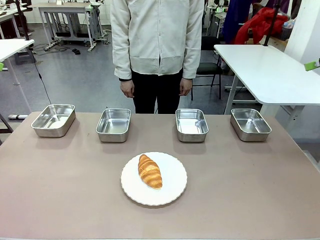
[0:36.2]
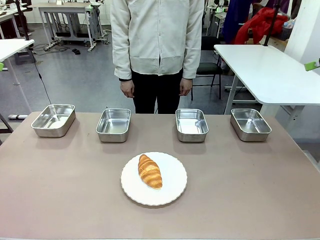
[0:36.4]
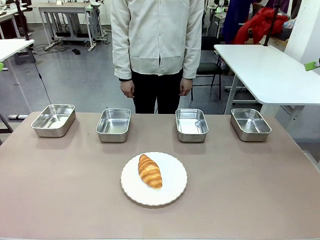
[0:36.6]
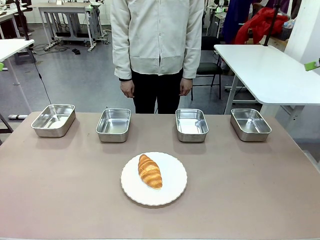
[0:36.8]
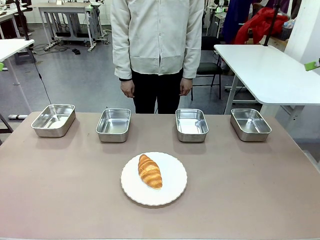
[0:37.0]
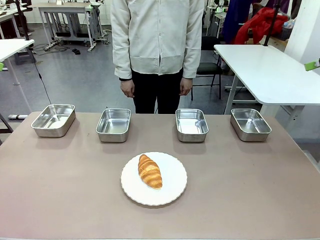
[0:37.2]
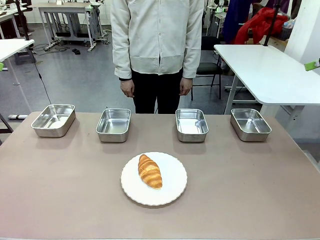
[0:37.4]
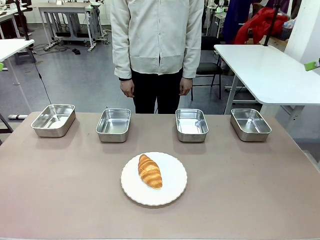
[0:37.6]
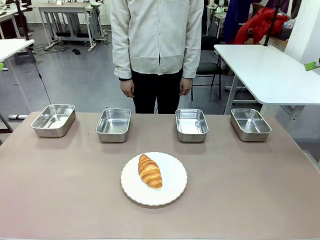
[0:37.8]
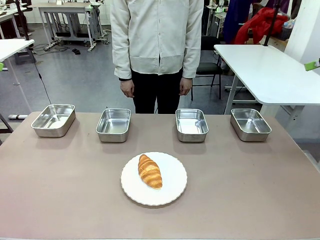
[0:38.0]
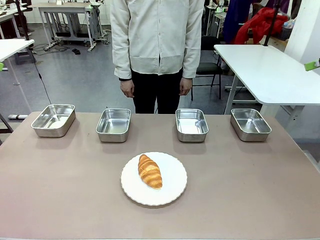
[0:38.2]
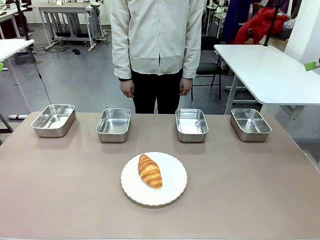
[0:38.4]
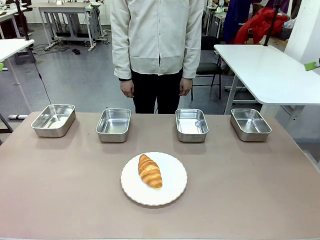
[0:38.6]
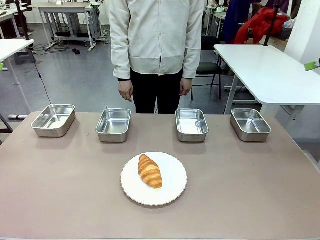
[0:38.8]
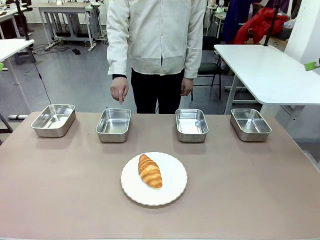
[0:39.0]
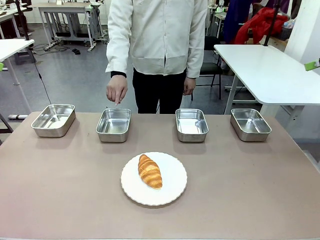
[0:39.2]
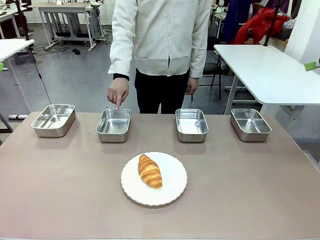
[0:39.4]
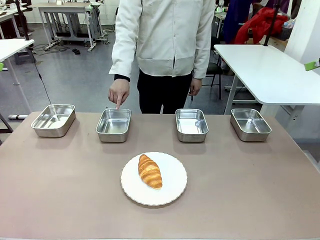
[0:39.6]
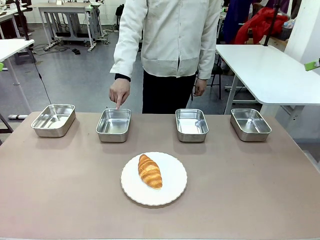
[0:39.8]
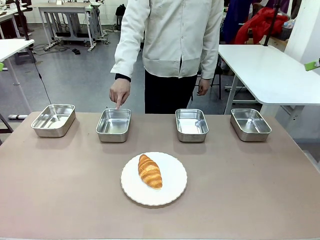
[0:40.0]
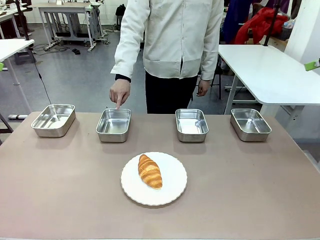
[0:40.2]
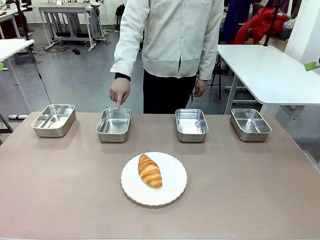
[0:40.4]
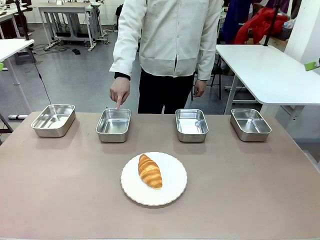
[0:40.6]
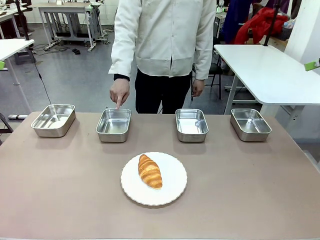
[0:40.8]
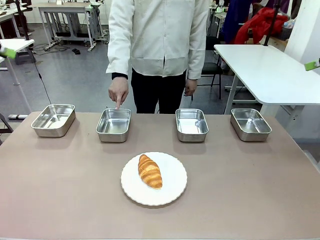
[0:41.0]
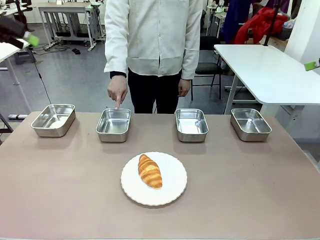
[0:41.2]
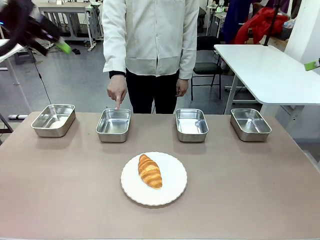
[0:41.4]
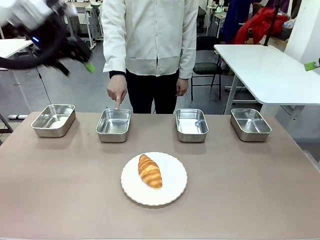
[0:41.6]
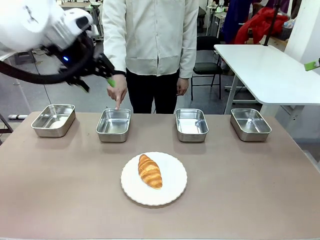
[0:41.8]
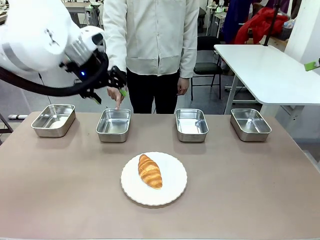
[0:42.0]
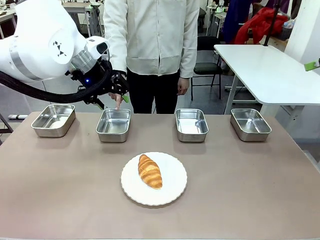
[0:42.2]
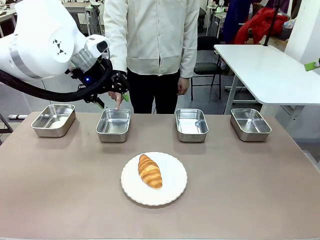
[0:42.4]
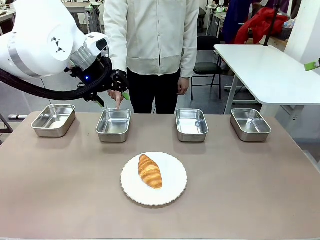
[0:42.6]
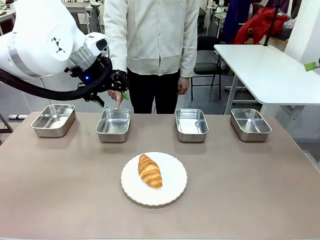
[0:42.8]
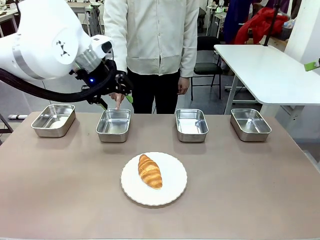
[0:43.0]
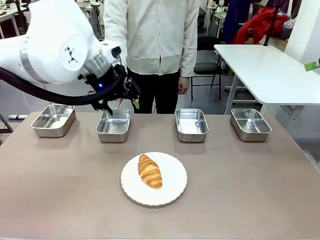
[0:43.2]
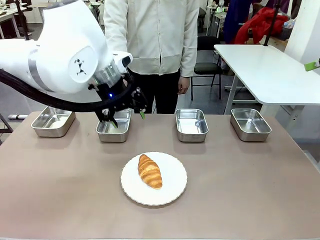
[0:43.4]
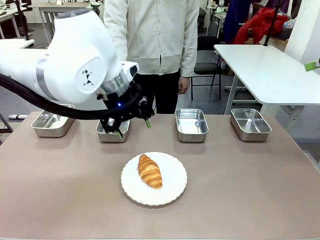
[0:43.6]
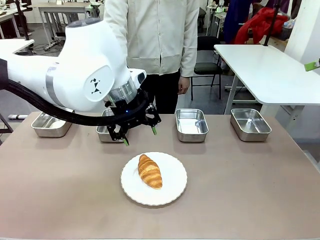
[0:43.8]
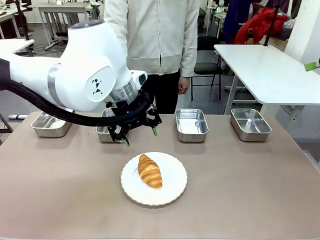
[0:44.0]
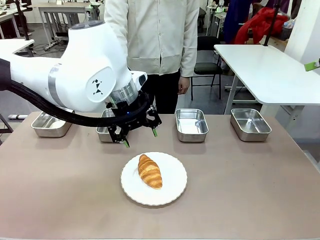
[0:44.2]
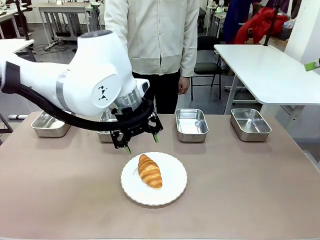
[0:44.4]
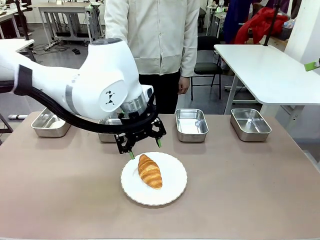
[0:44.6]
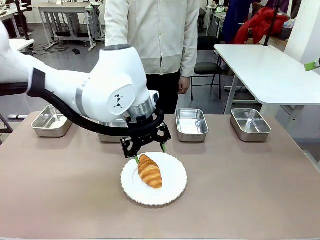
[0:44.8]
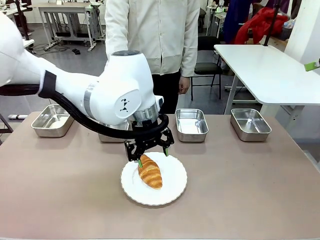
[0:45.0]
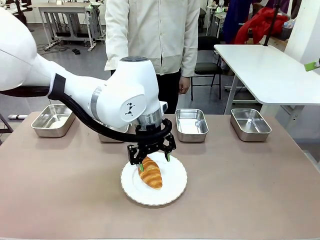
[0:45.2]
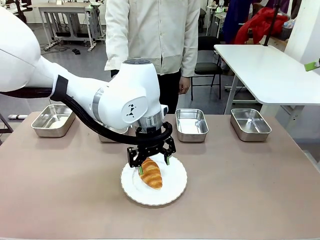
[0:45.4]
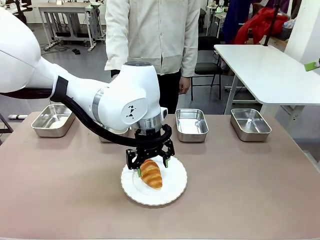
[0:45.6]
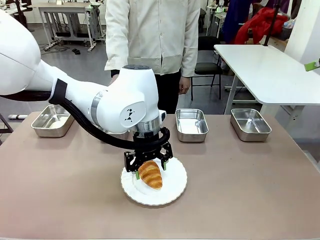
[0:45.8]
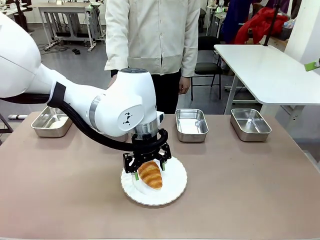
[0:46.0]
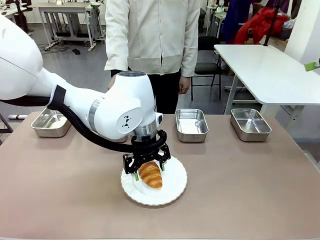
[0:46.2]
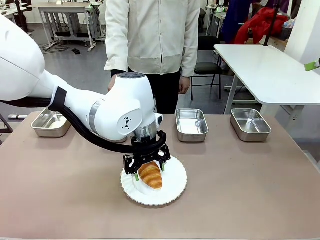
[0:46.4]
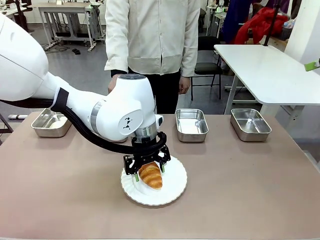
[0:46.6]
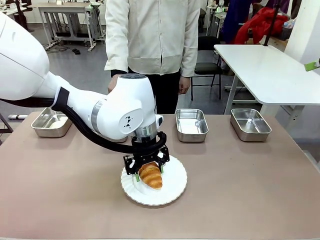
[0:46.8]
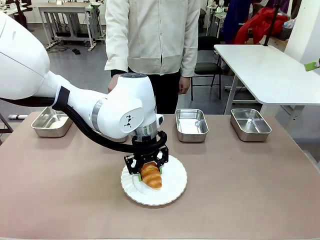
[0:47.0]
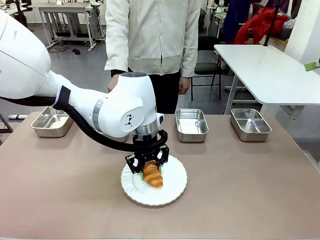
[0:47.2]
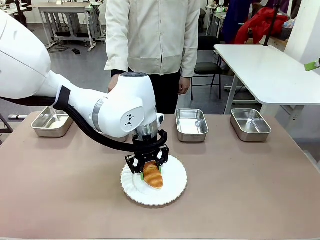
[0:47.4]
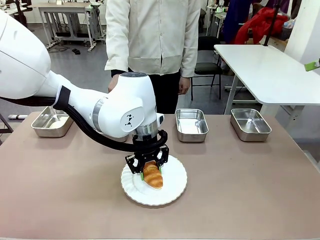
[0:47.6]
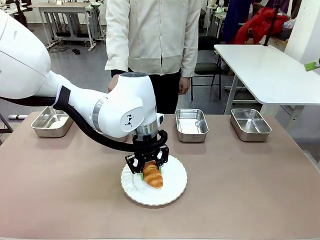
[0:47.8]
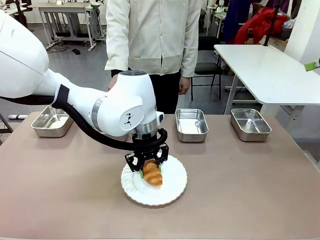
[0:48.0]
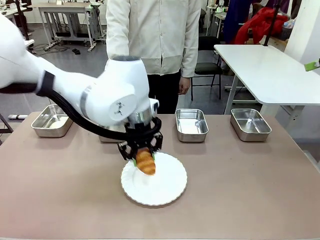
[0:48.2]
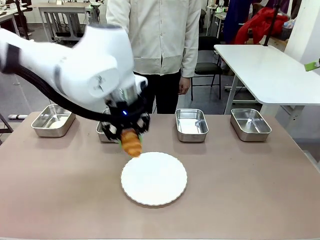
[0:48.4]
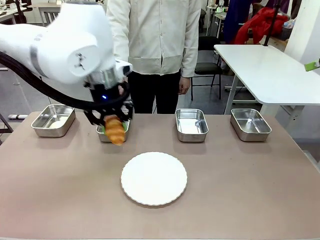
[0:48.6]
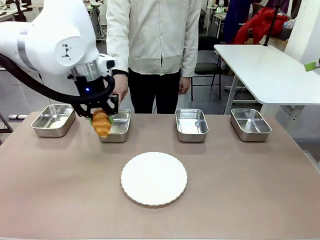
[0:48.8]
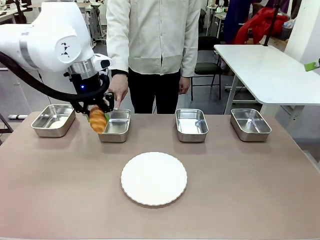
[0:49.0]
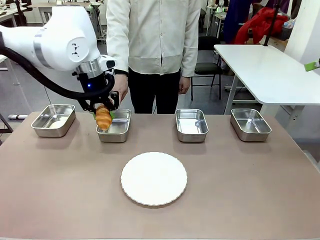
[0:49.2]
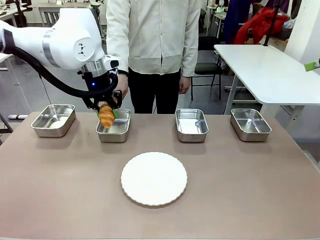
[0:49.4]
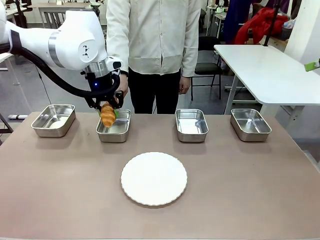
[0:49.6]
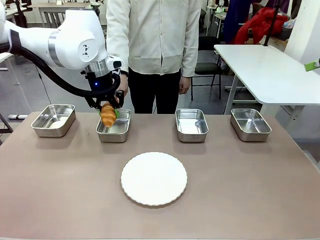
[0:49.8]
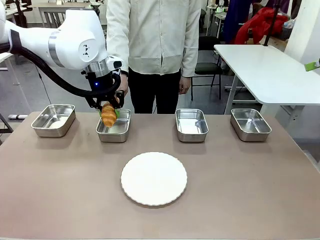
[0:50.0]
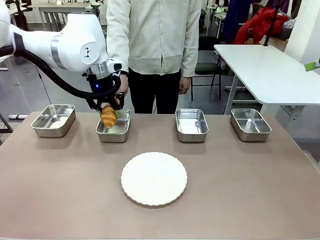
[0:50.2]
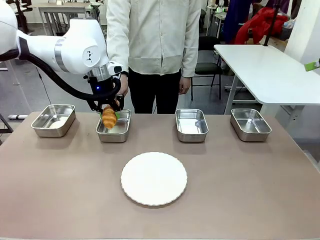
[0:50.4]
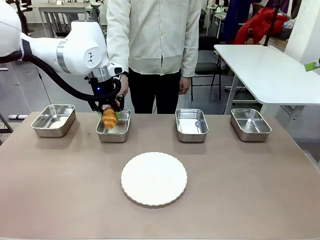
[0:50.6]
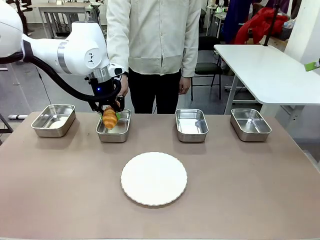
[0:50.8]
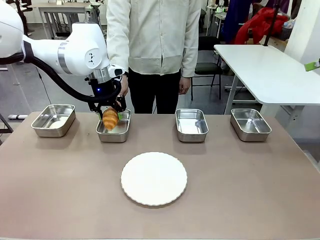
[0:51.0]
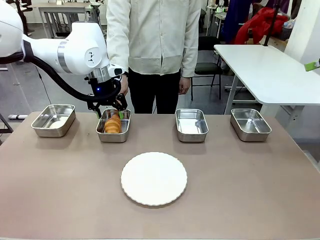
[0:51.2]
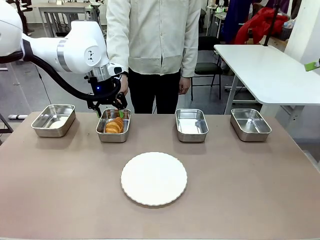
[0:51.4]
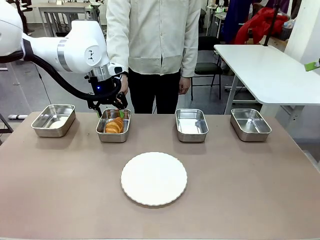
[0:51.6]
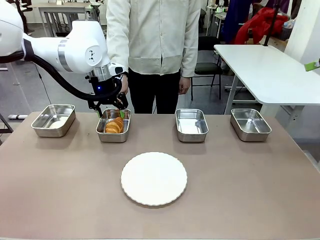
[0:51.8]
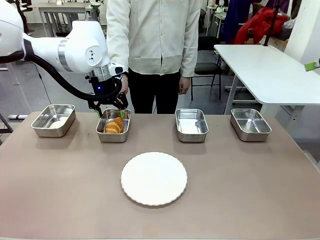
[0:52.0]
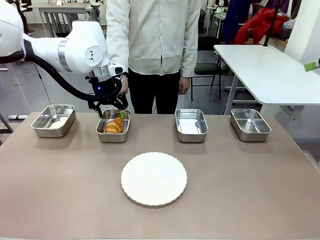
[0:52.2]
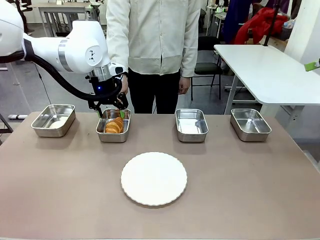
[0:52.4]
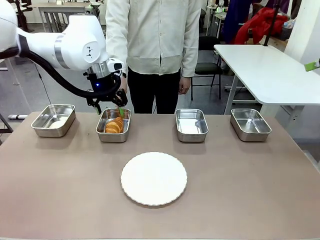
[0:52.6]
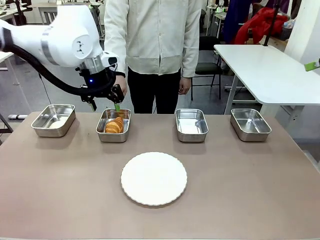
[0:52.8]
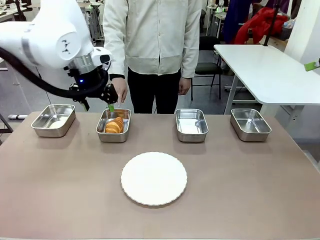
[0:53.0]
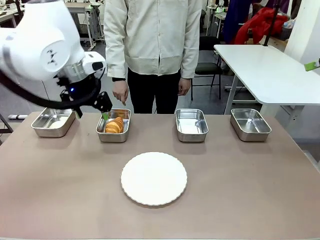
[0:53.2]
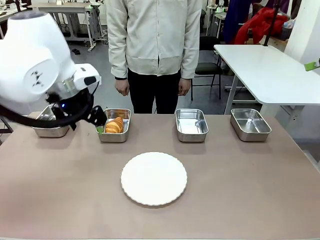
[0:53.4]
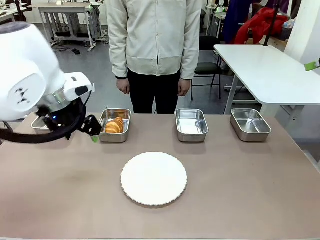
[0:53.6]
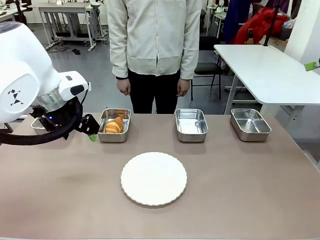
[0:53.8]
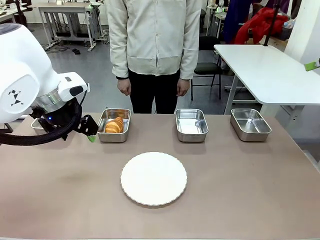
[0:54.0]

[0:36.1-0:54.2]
Task: Place the bread in the container.
Robot: Place the Butter Roll into the Airtight Container indicated by the human.
